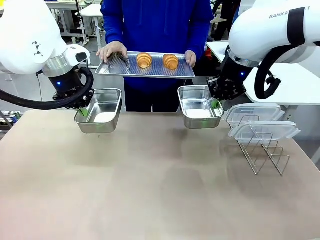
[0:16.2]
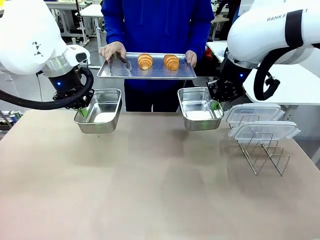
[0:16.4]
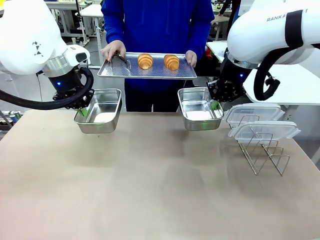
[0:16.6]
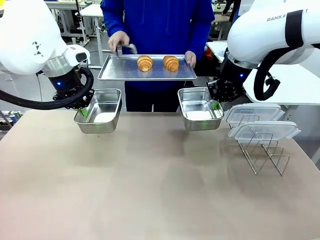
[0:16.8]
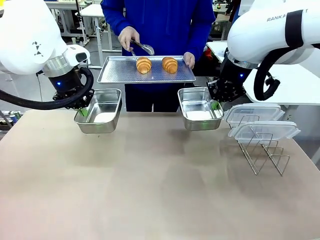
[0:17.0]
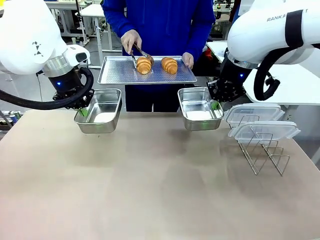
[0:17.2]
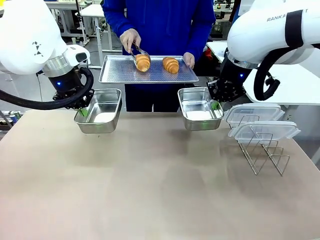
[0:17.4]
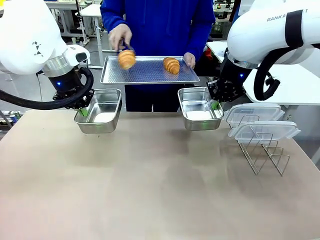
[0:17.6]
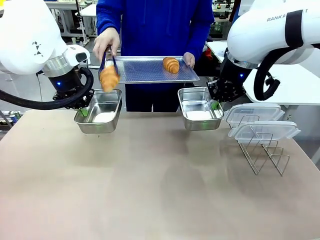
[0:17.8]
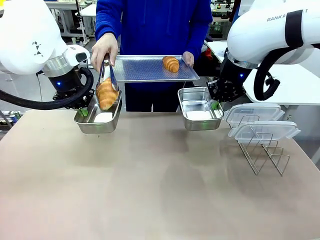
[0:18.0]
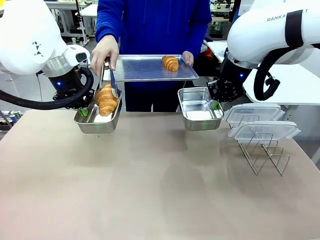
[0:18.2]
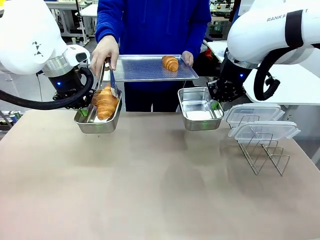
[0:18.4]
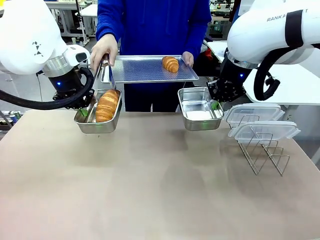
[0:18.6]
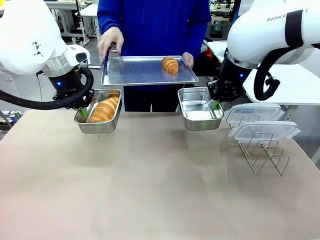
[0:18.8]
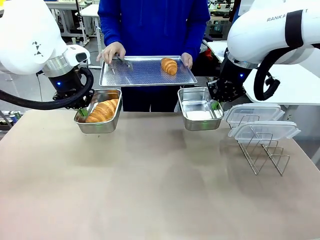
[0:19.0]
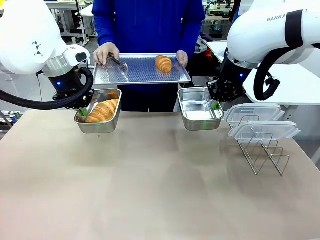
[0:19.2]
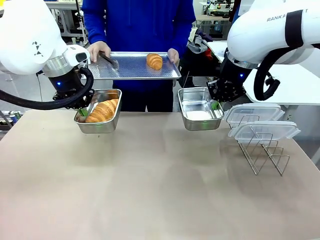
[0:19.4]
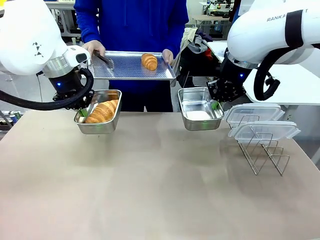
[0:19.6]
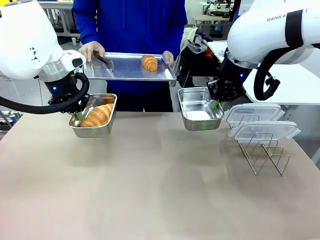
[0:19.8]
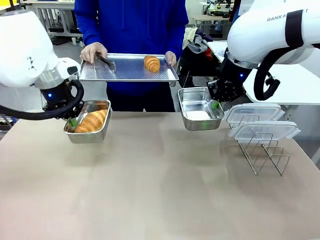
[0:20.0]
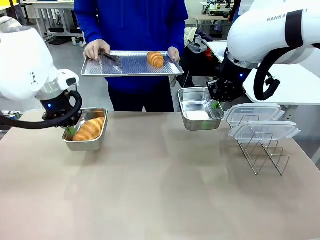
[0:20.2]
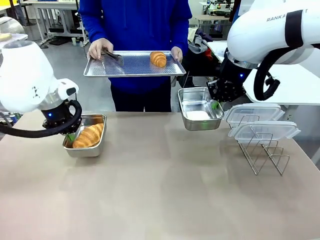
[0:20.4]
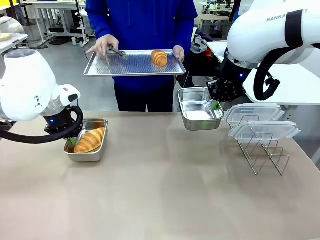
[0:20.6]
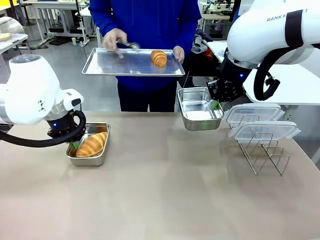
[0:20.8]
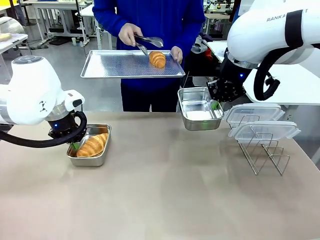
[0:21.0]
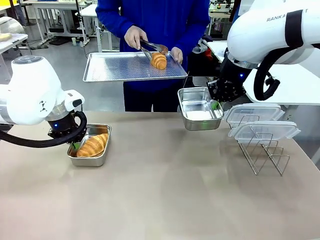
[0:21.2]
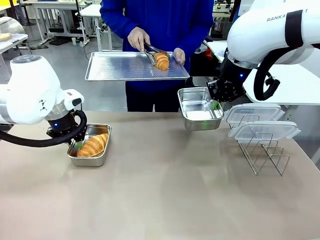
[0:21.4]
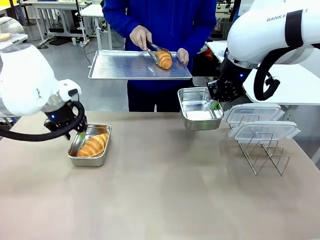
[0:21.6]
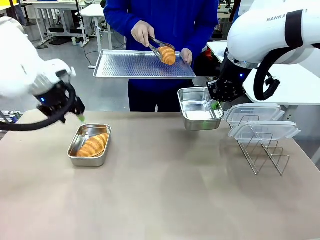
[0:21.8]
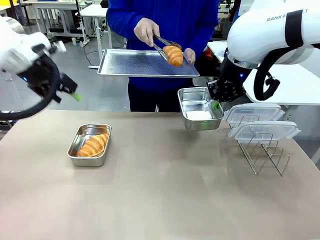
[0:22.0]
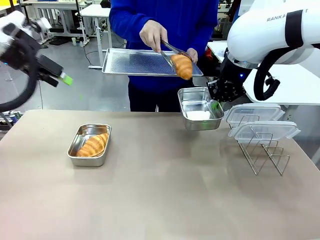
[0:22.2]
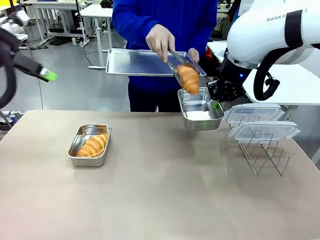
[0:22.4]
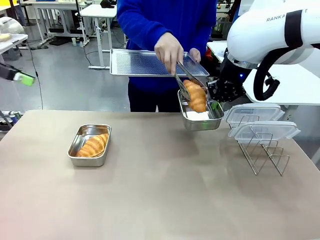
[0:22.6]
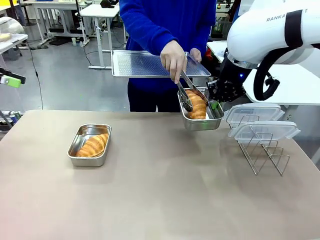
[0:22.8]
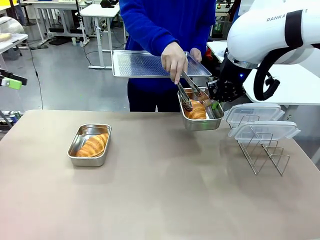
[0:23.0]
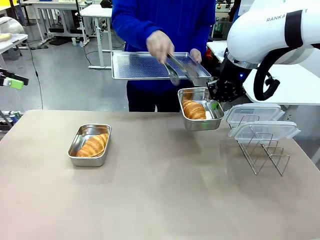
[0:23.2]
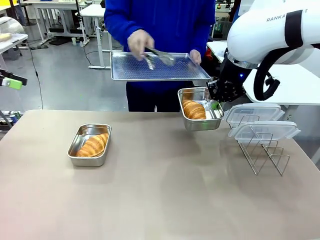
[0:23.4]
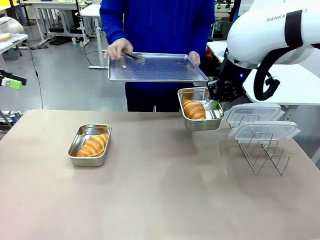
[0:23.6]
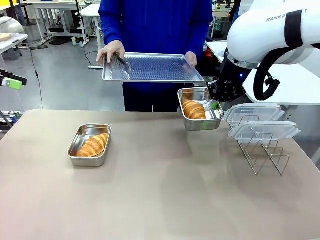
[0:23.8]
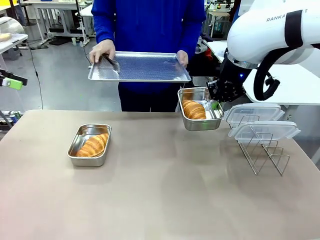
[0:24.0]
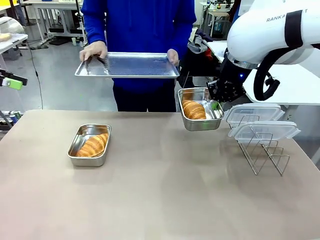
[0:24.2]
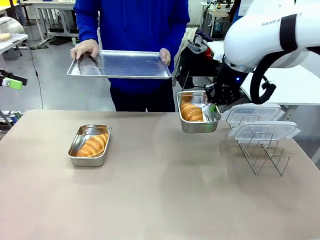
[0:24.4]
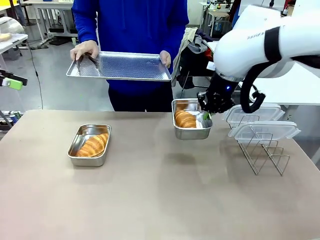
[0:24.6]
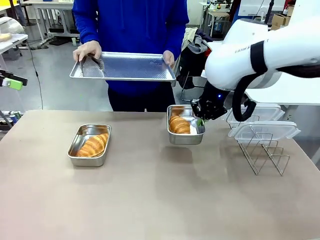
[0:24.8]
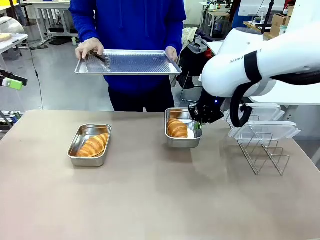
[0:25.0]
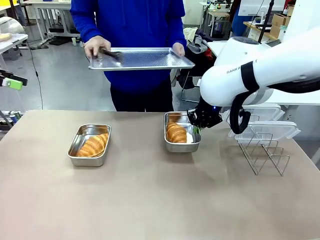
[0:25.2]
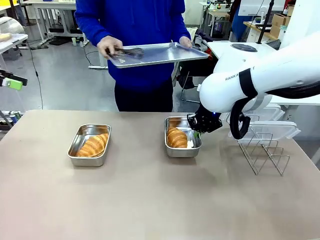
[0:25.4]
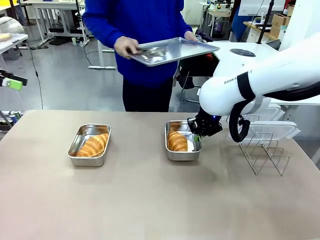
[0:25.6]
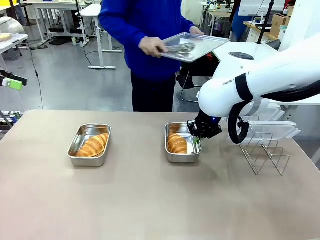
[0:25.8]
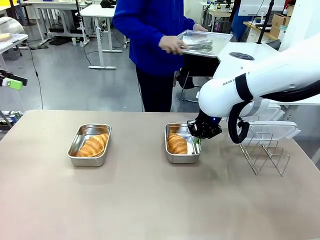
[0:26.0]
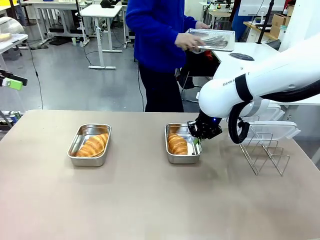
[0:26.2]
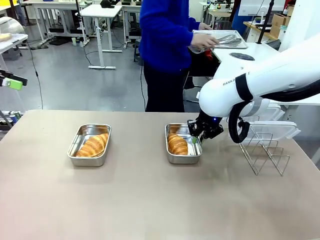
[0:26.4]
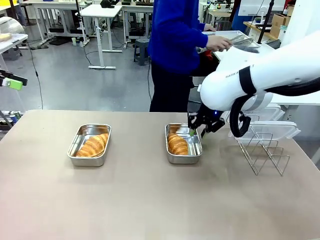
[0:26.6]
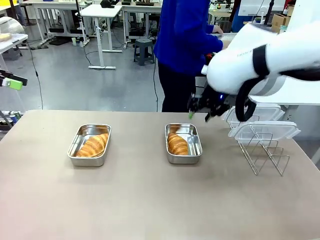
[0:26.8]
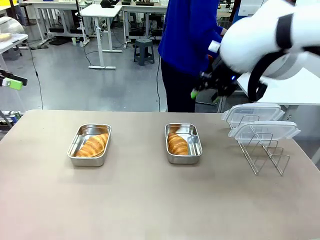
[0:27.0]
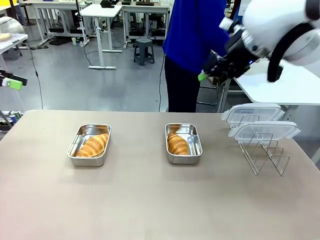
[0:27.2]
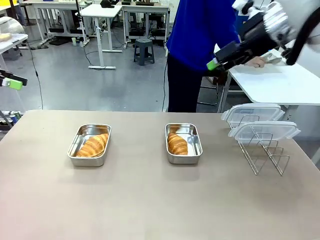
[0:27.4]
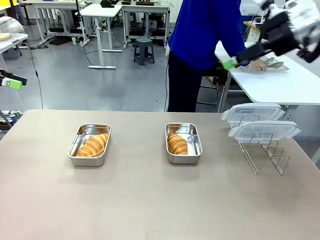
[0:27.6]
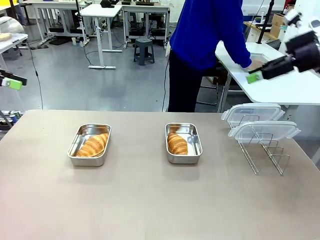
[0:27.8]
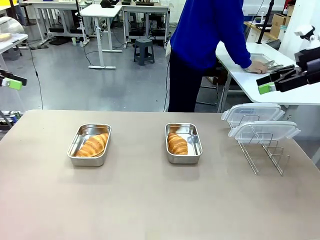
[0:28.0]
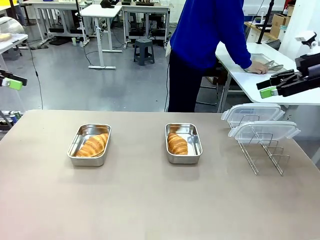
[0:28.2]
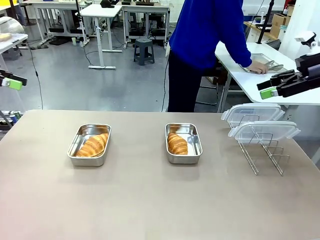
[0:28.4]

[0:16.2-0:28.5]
Task: Place the bread in airtight containers.
Robot: Once an object is inside an Airtight Container , place the container in the center of the table.
Person: Use the Stainless steel tongs to place one object from Baking Sheet into one Airtight Container. Place Baking Sheet on the Human's Table.

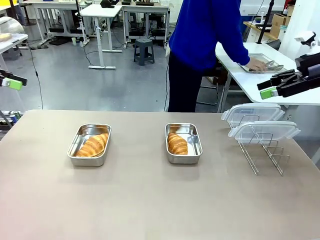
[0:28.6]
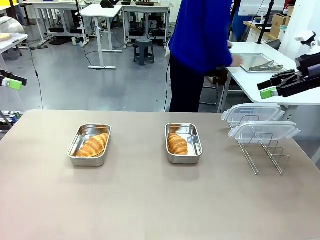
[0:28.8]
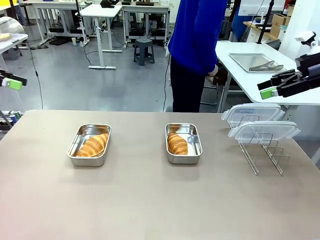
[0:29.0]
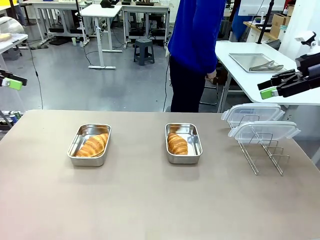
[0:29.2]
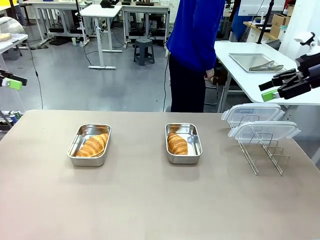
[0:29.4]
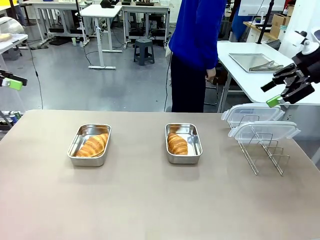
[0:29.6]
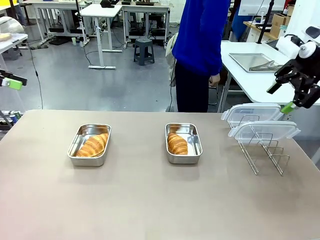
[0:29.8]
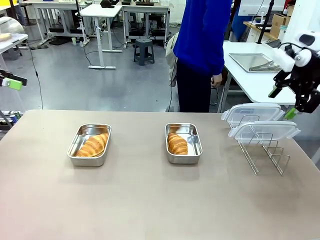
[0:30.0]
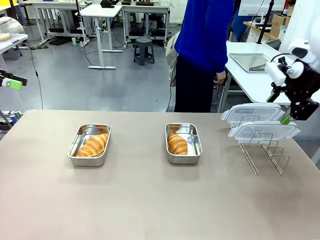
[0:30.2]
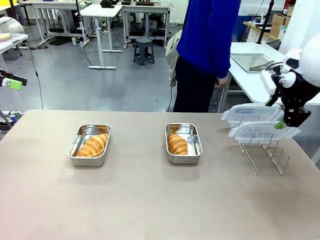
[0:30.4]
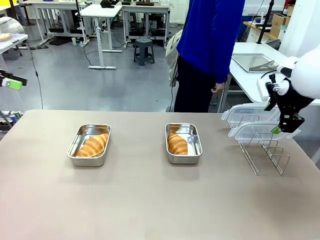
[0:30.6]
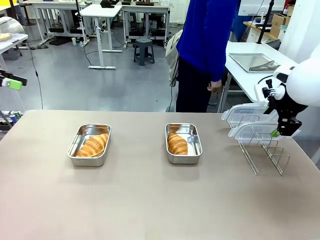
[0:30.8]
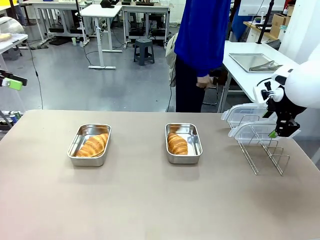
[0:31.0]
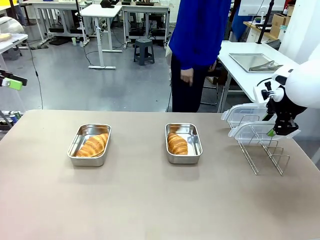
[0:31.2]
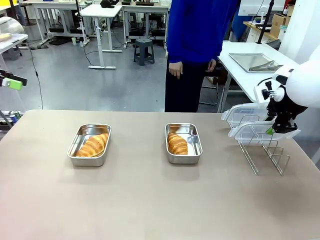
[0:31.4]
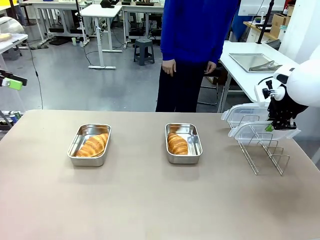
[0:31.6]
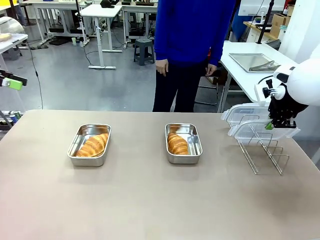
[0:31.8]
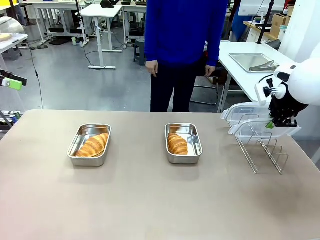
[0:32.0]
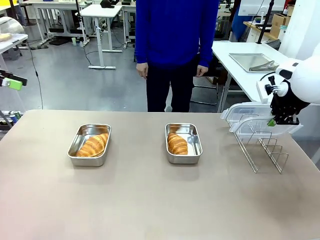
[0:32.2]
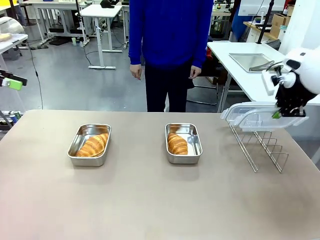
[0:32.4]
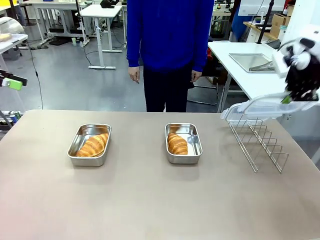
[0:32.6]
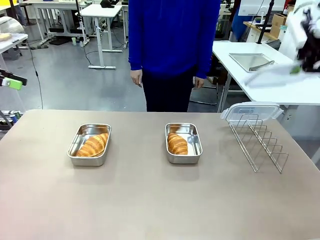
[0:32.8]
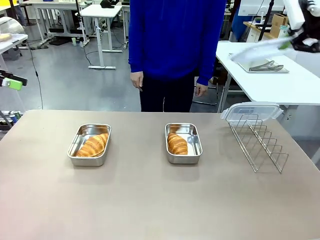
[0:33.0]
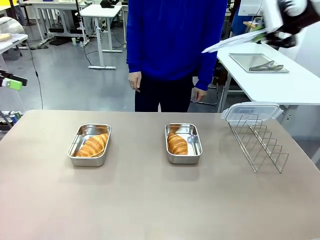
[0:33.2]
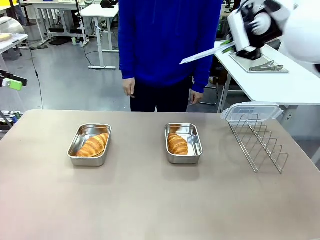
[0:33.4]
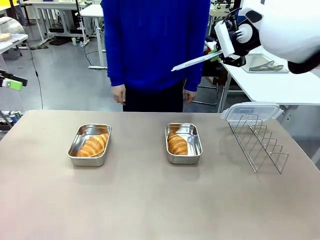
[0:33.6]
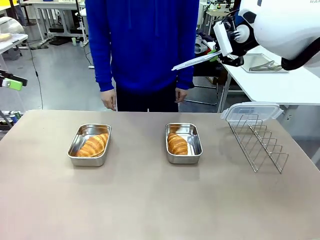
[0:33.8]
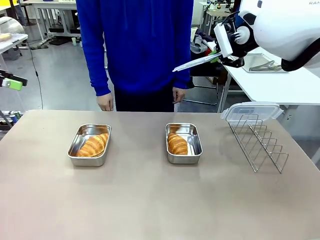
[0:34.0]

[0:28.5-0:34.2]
Robot: Pick up one Airtight Container lid and hand it to the human.
Person: Grip Airtight Container lid that robot is handing.

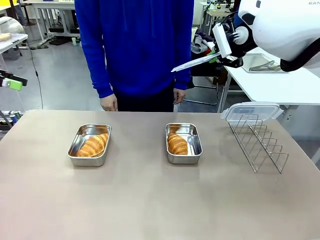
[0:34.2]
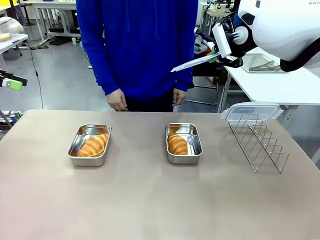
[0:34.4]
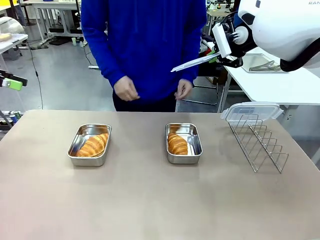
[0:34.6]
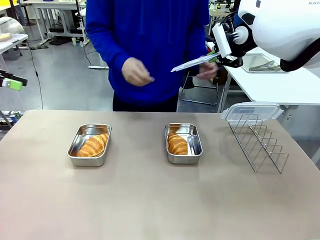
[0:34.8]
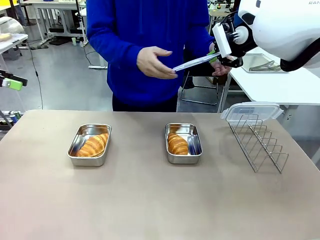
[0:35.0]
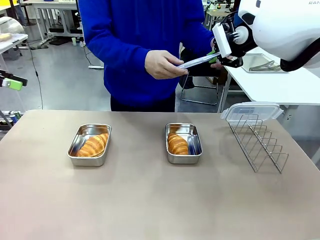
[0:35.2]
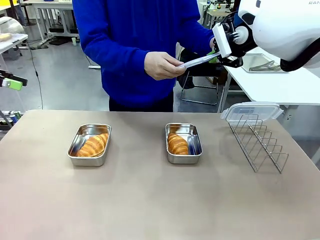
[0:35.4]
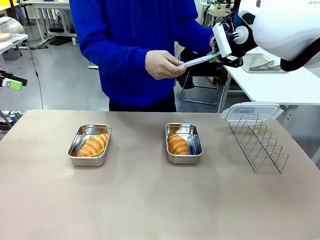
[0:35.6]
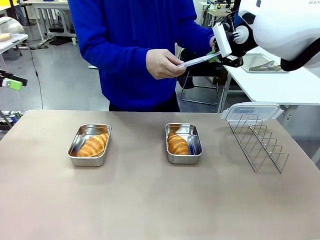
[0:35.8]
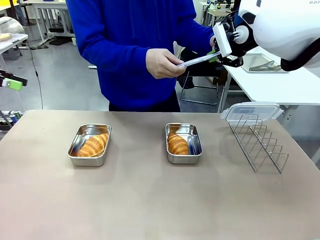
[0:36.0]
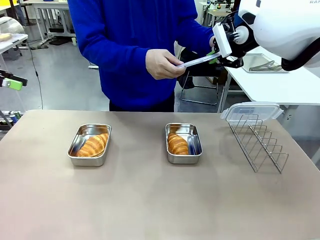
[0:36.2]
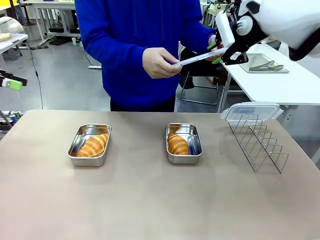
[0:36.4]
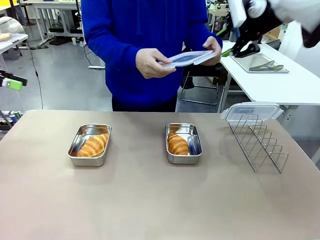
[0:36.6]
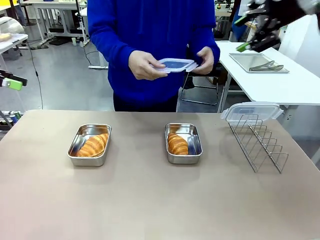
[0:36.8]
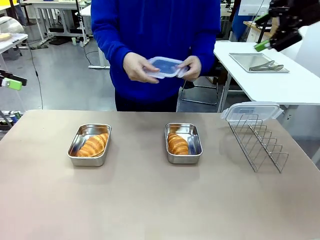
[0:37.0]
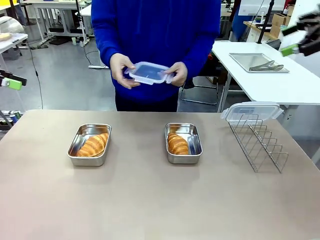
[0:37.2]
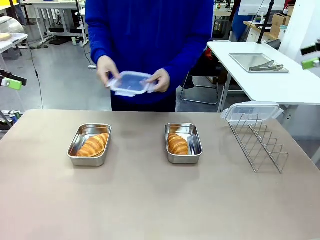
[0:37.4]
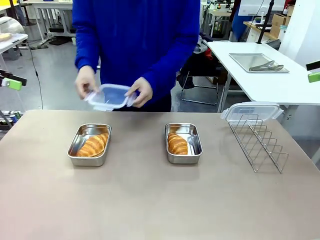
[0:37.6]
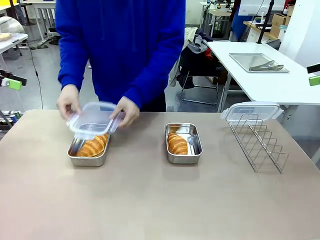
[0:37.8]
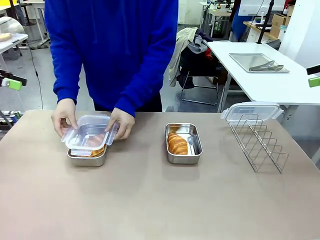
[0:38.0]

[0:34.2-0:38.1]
Robot: Release when the human grabs the Airtight Container lid.
